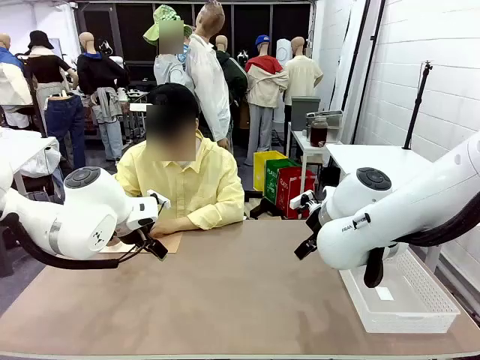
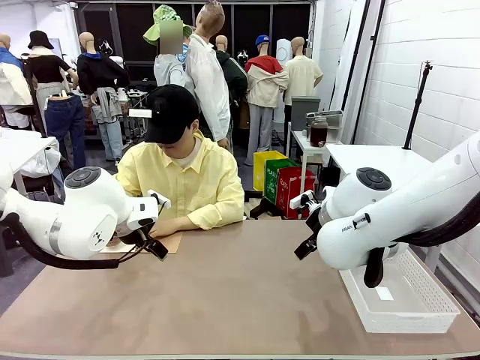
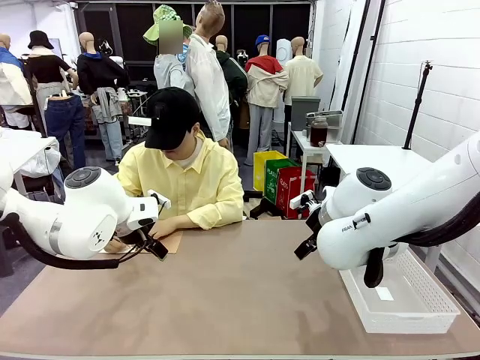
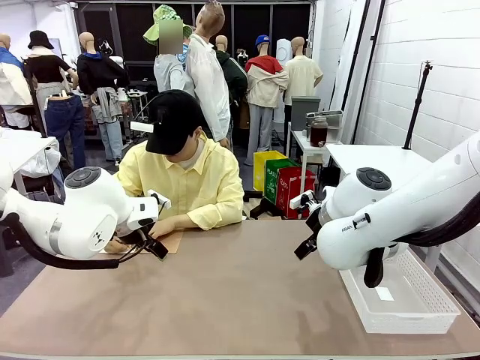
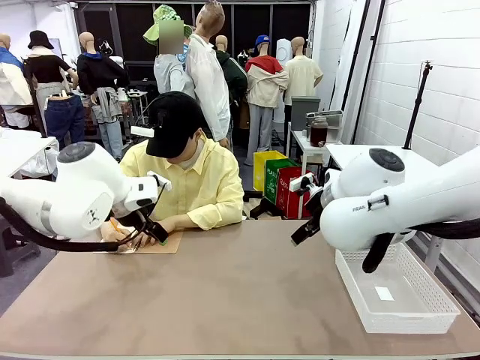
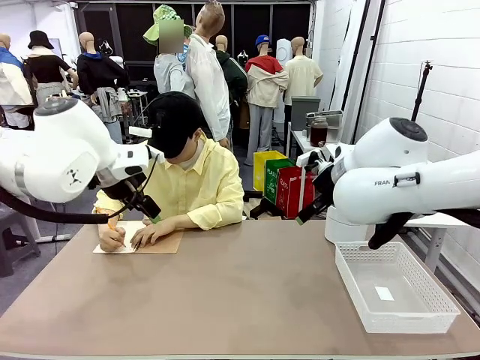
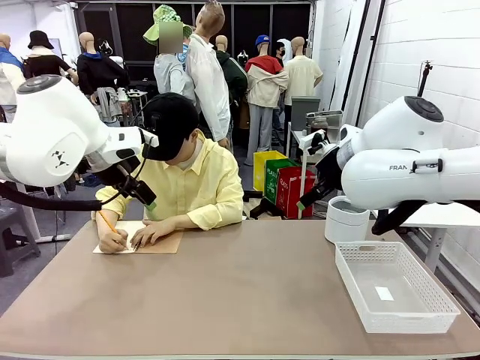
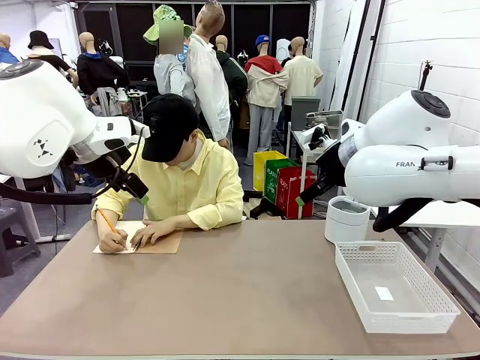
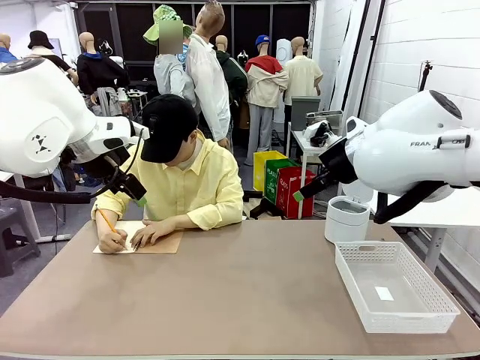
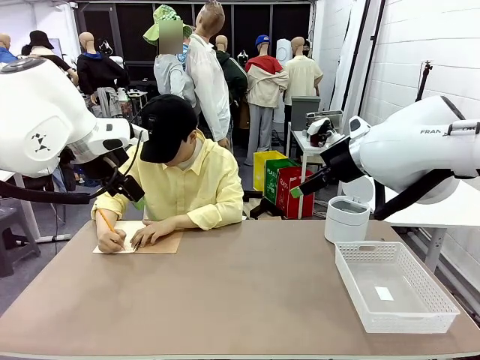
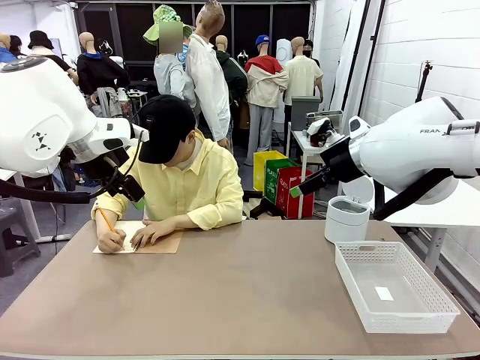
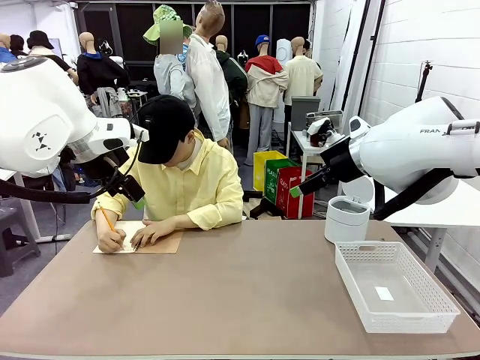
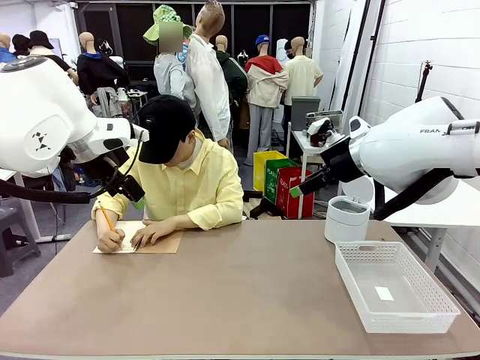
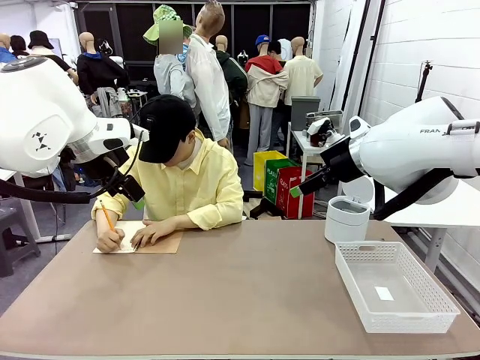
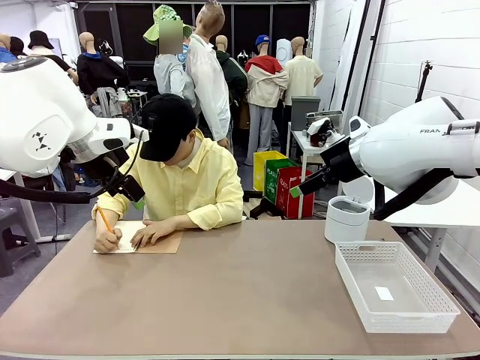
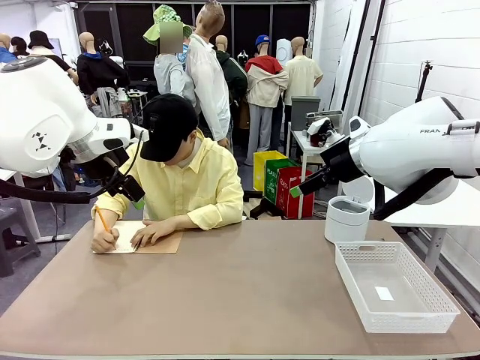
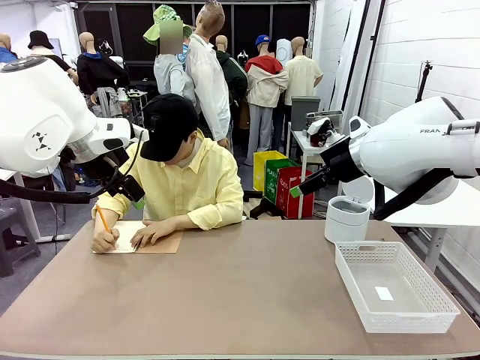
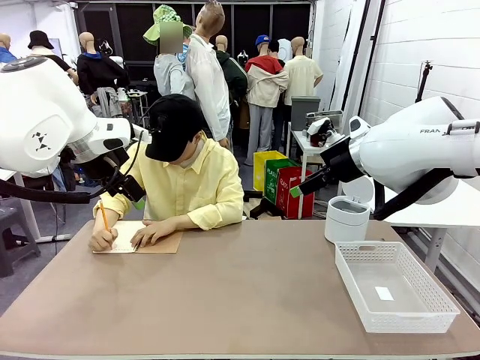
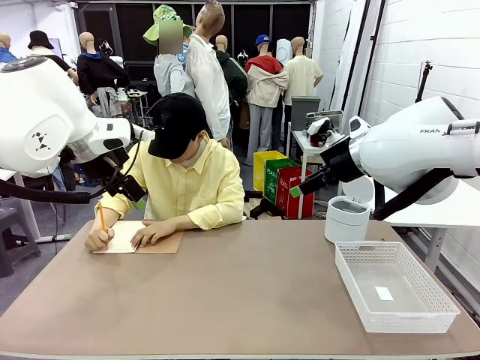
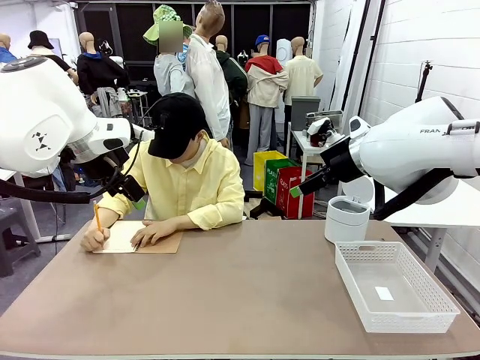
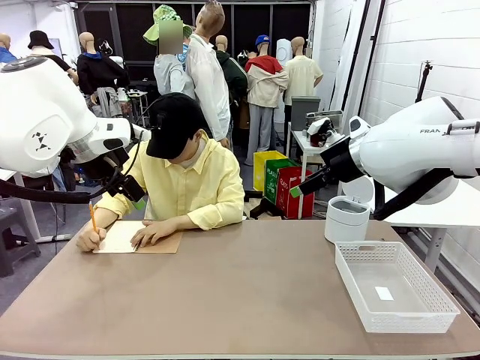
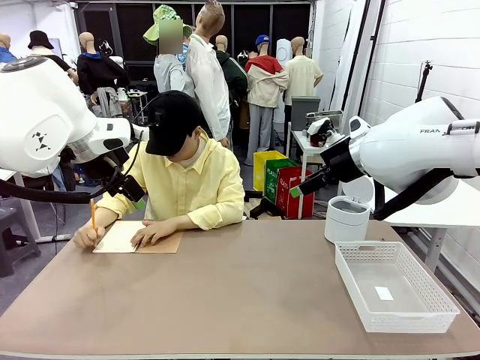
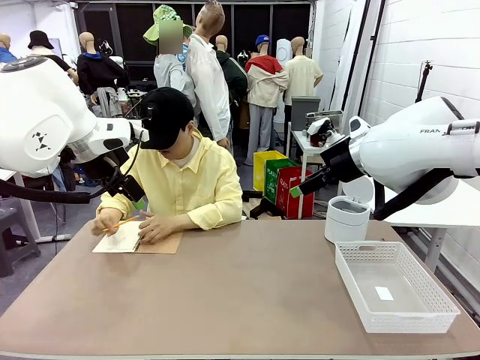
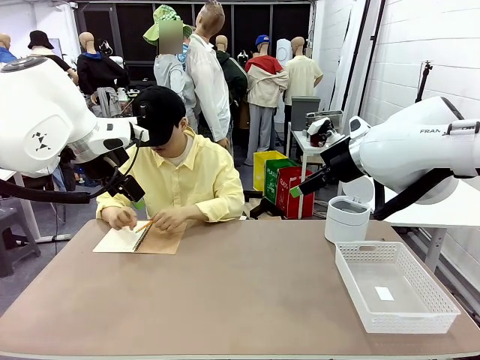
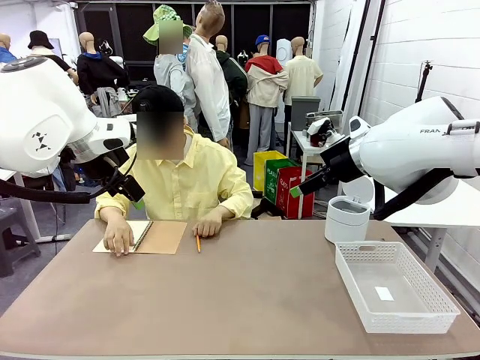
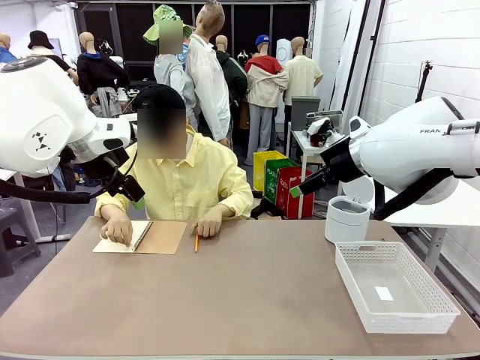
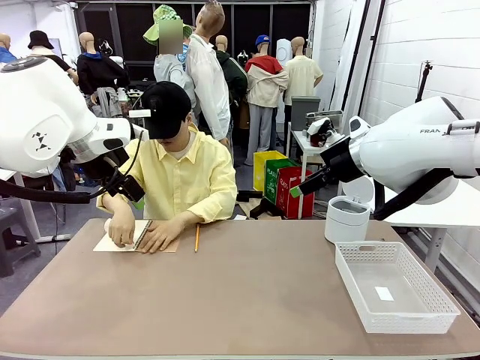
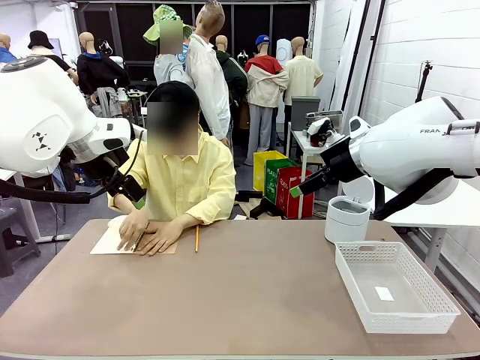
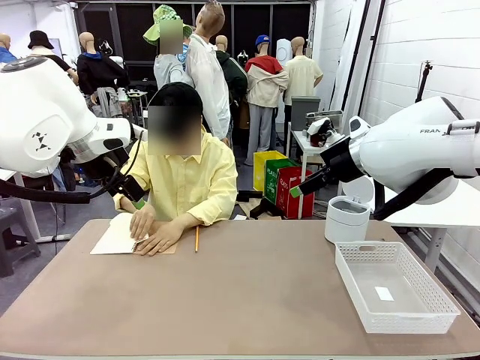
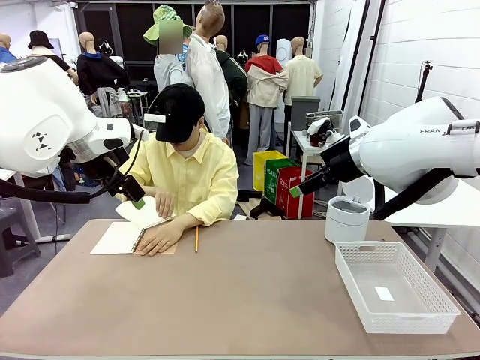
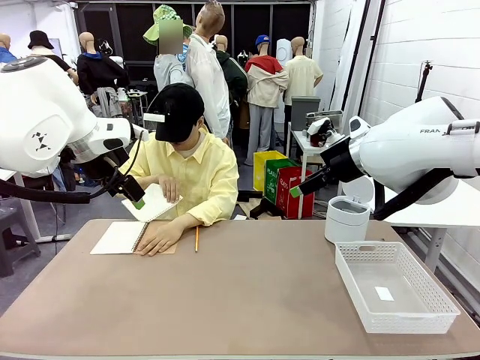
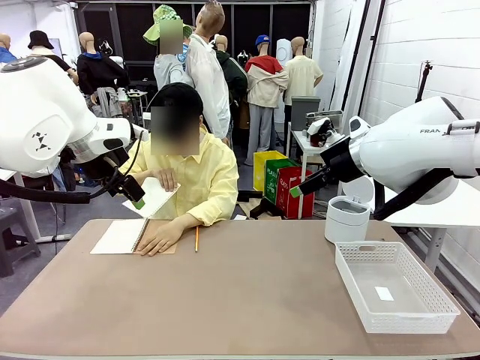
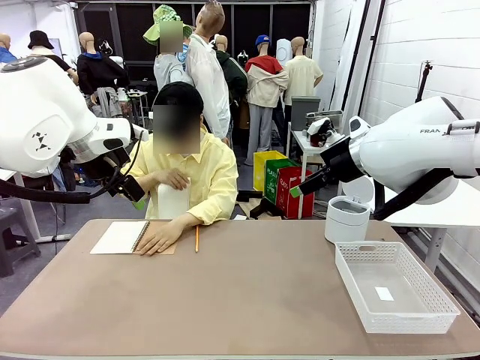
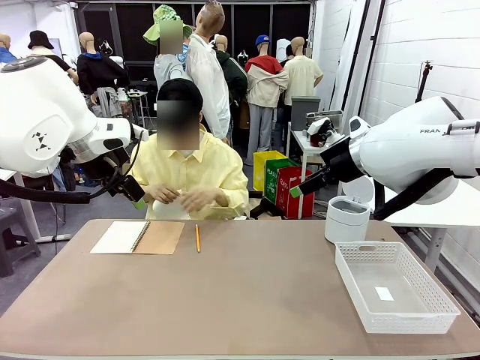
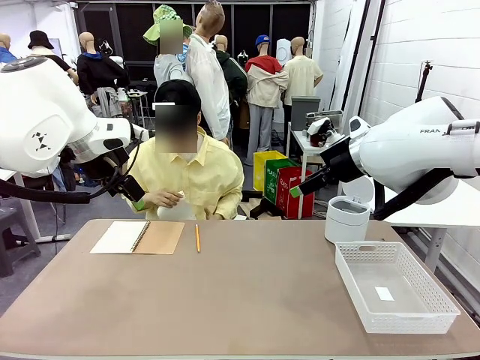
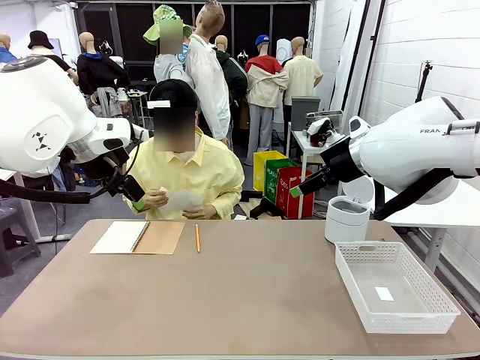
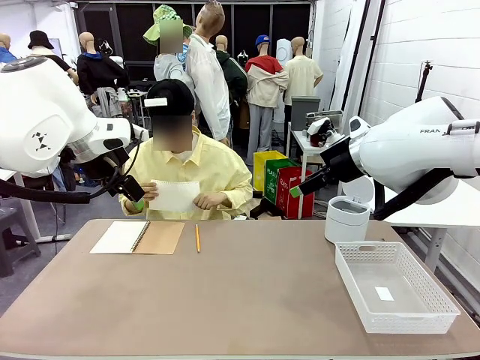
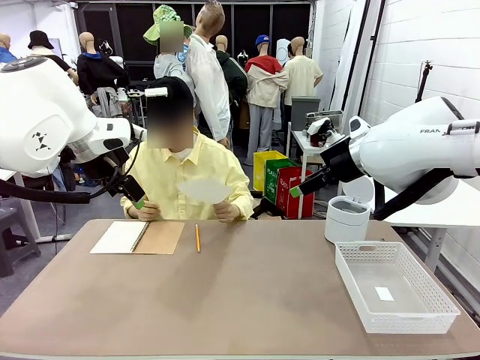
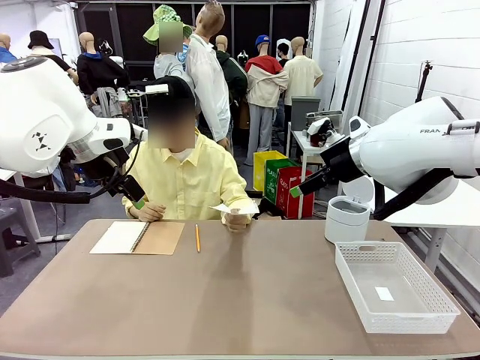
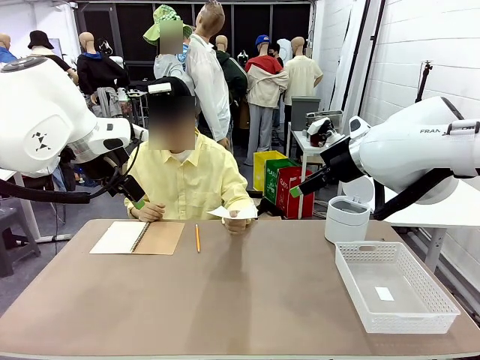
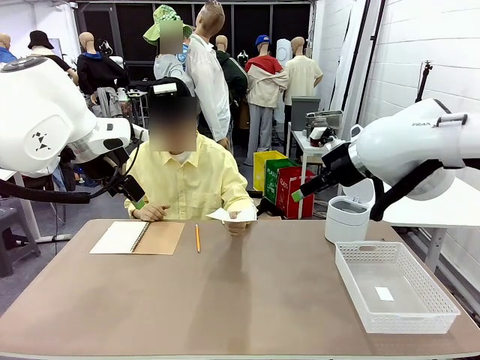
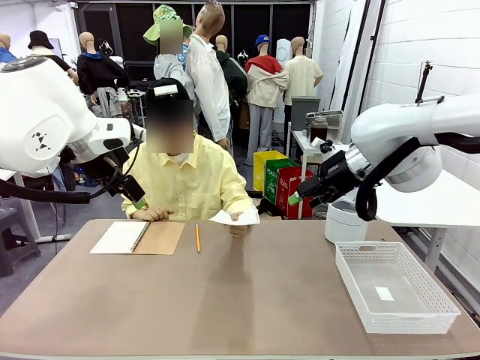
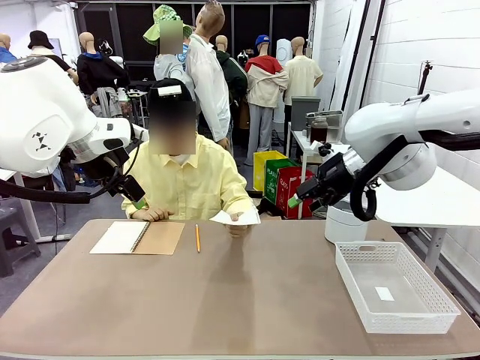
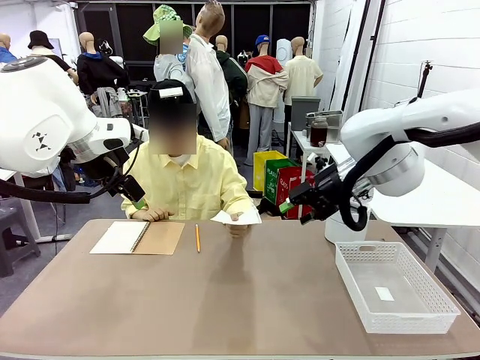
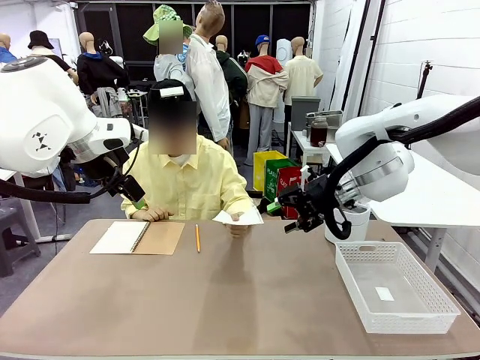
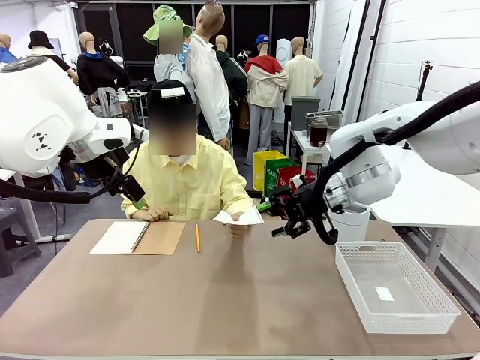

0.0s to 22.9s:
Task: Sort the paper based on its condition.
Robot: If a person hands you a paper, place it in the Organizing basket , and if it's crumpled, put it in the Trash can.
Person: Tear out a page from the spiral notebook. Hand the torn page to the robot or crumple it and throw it to the center of the table.
